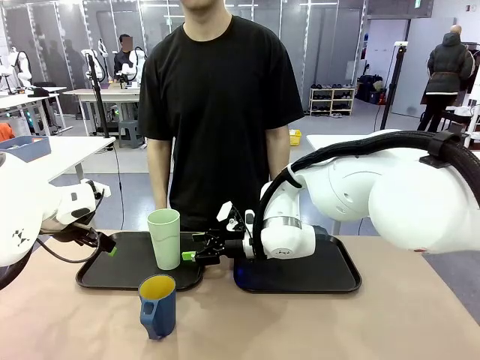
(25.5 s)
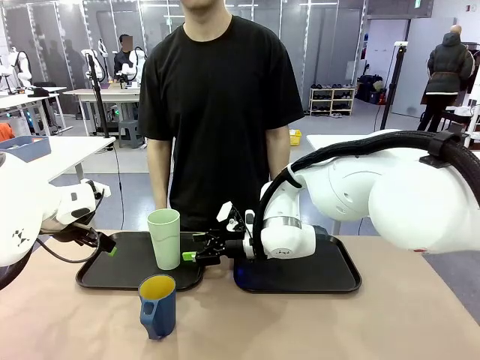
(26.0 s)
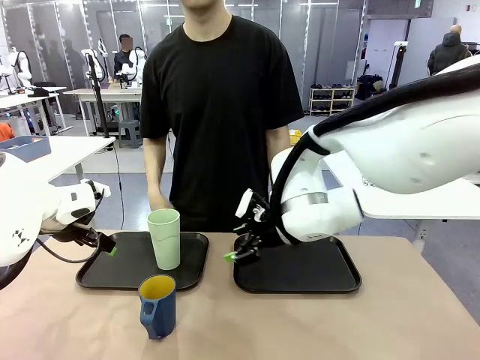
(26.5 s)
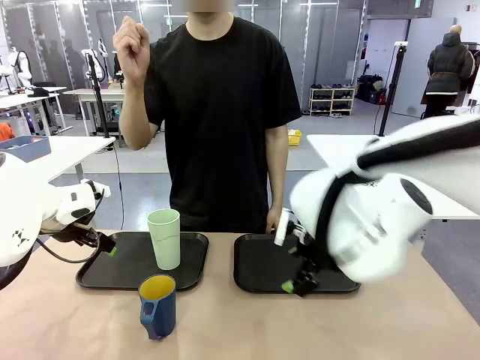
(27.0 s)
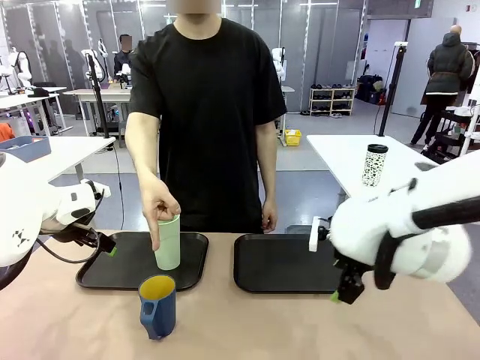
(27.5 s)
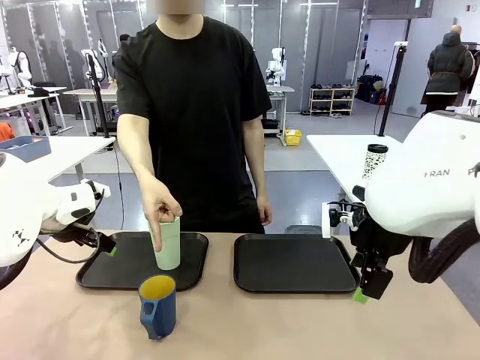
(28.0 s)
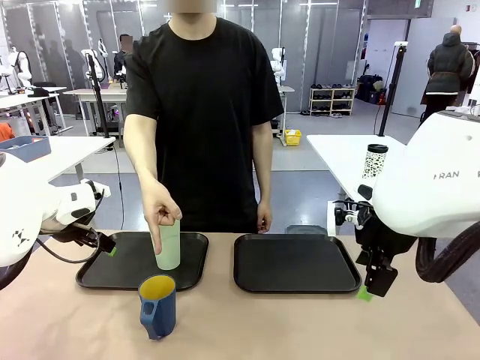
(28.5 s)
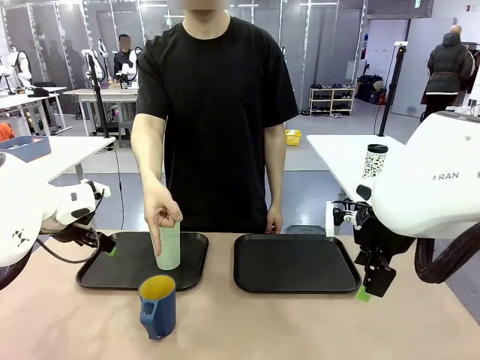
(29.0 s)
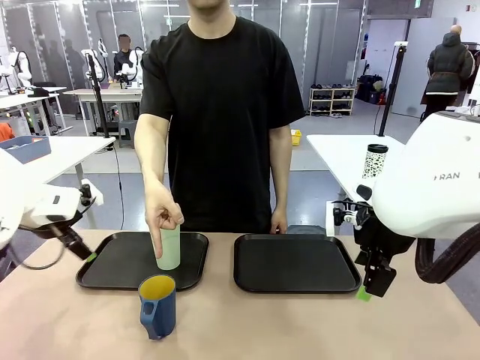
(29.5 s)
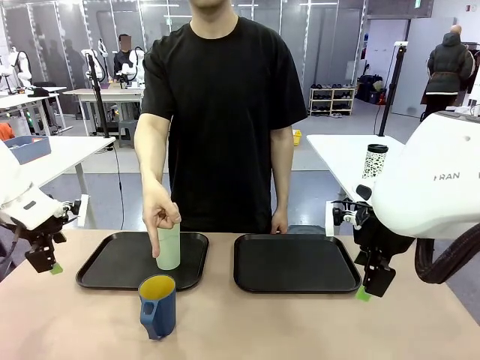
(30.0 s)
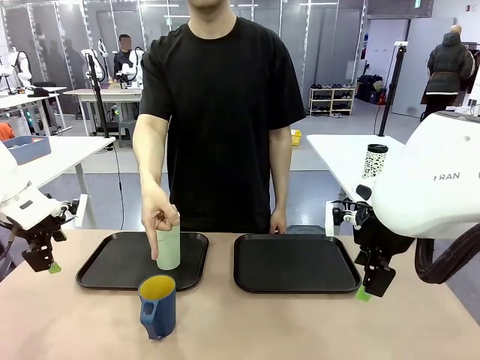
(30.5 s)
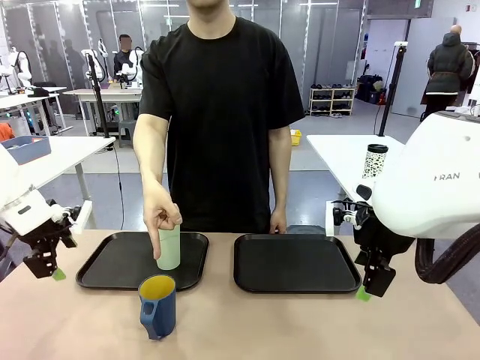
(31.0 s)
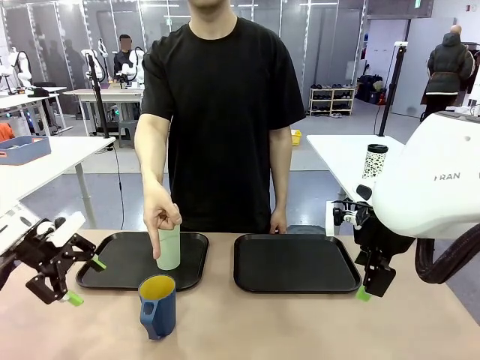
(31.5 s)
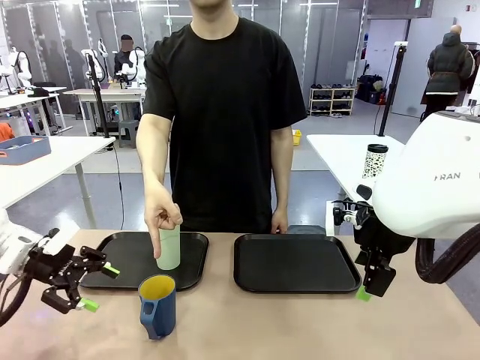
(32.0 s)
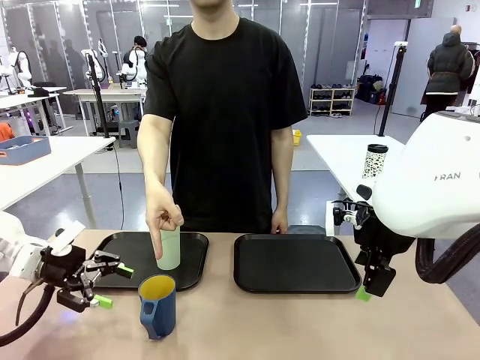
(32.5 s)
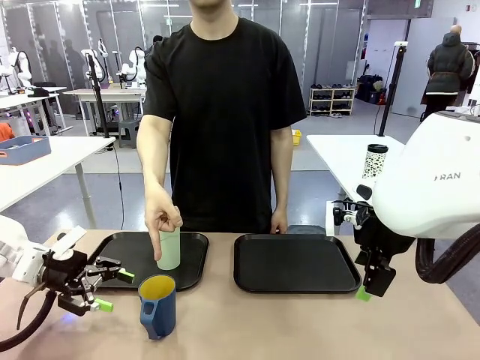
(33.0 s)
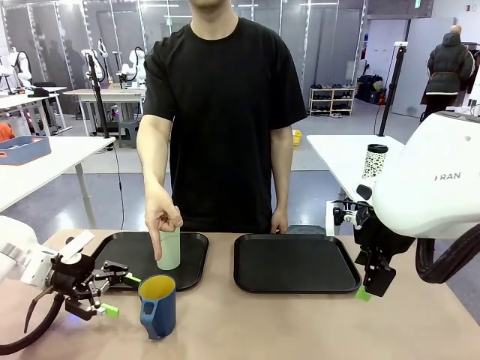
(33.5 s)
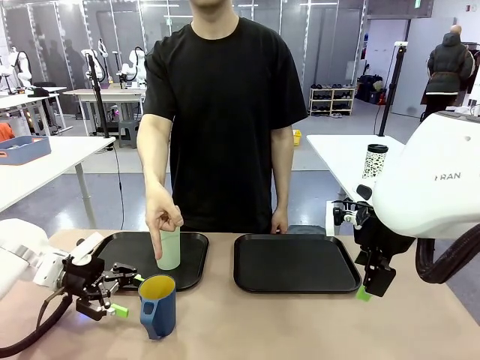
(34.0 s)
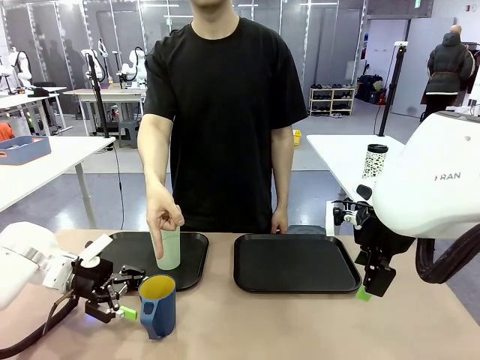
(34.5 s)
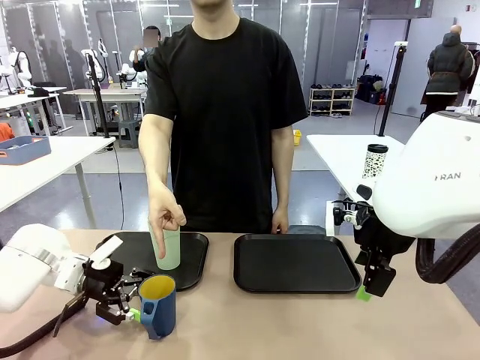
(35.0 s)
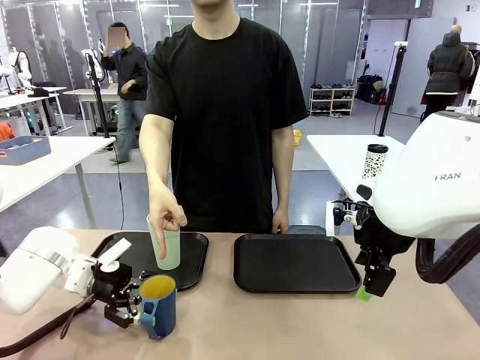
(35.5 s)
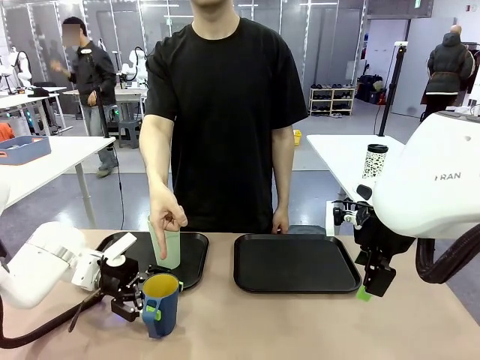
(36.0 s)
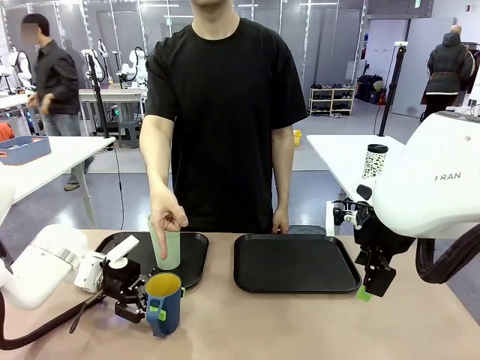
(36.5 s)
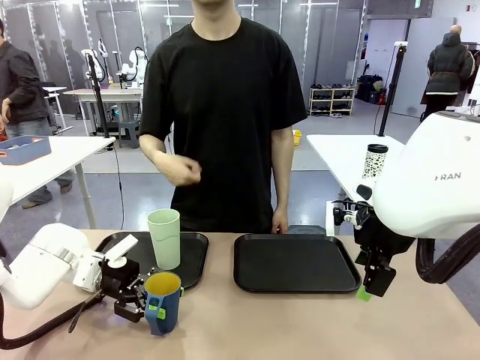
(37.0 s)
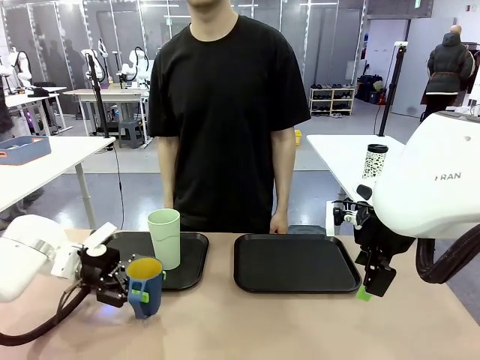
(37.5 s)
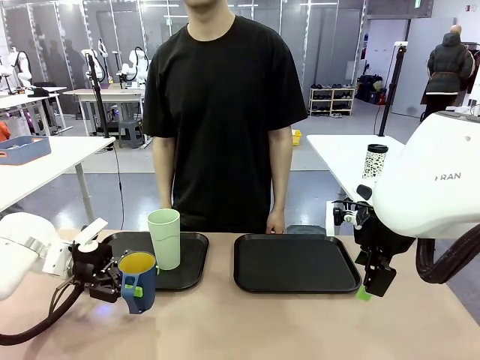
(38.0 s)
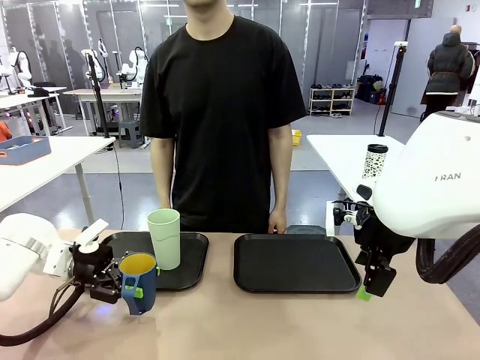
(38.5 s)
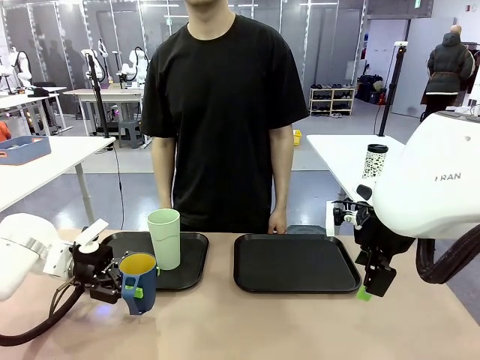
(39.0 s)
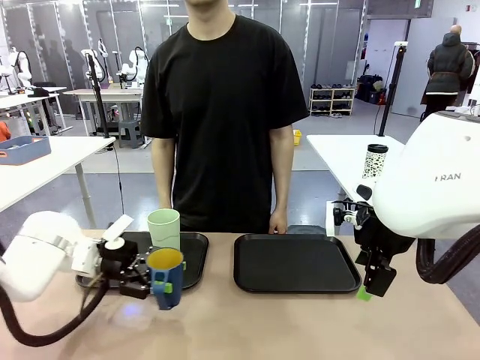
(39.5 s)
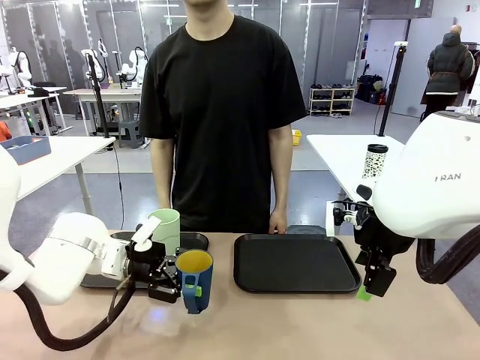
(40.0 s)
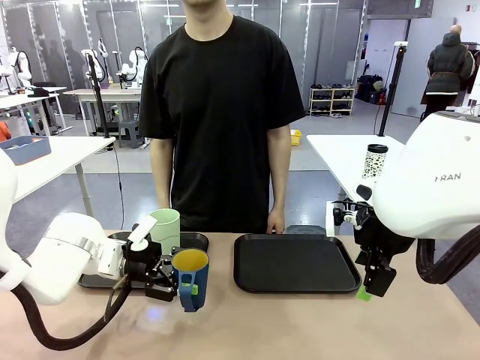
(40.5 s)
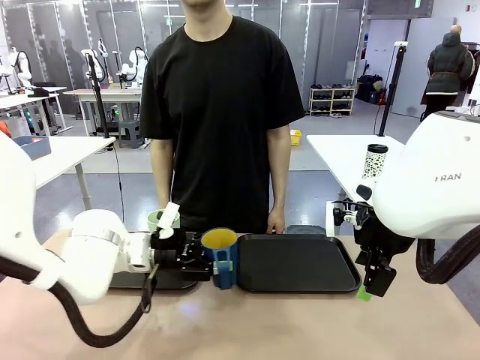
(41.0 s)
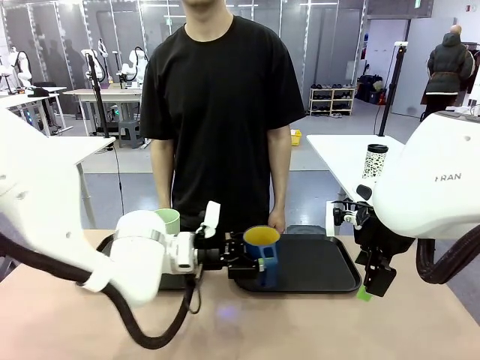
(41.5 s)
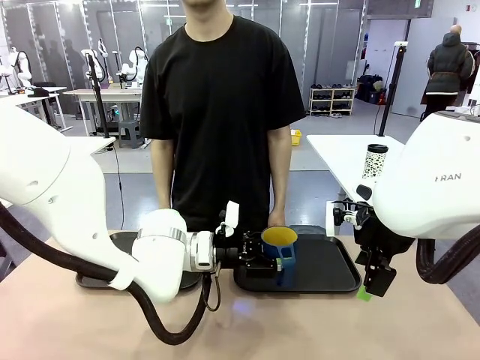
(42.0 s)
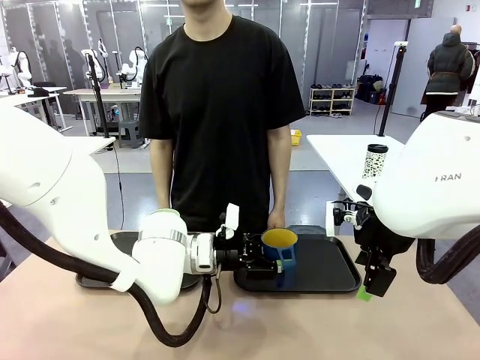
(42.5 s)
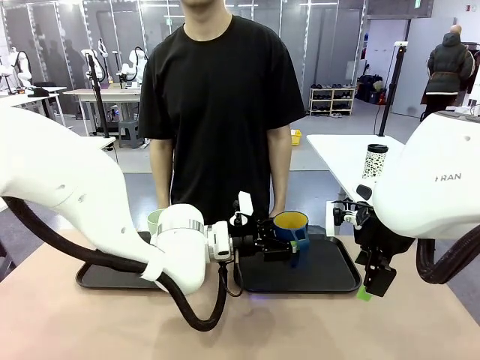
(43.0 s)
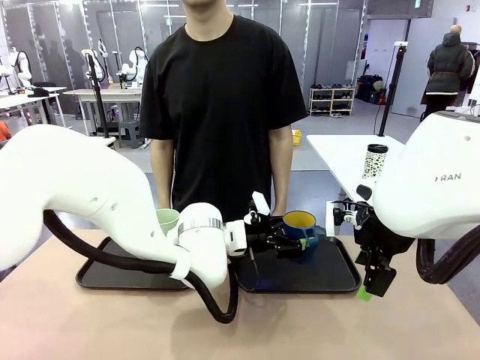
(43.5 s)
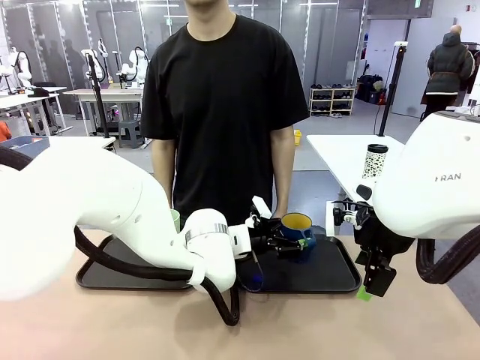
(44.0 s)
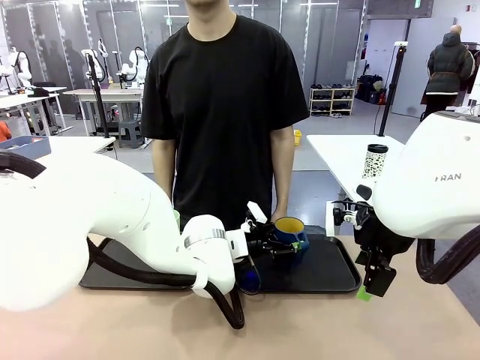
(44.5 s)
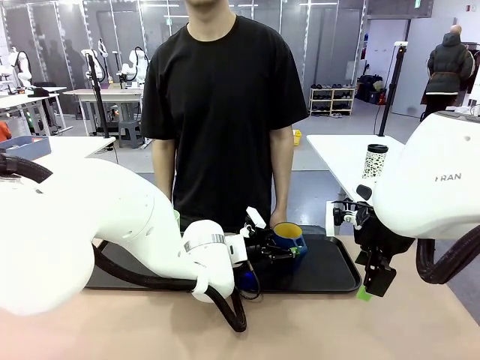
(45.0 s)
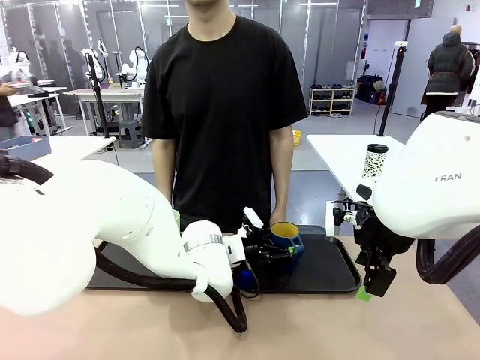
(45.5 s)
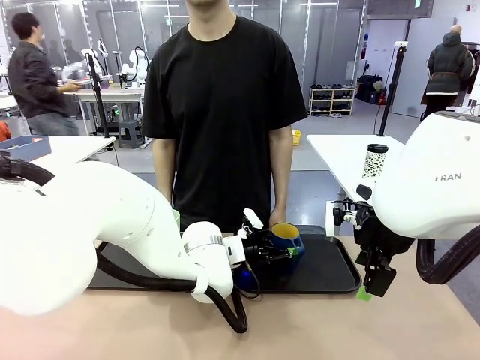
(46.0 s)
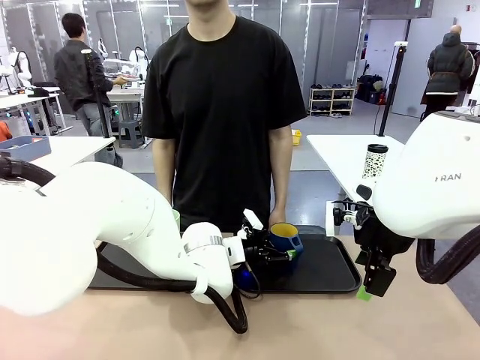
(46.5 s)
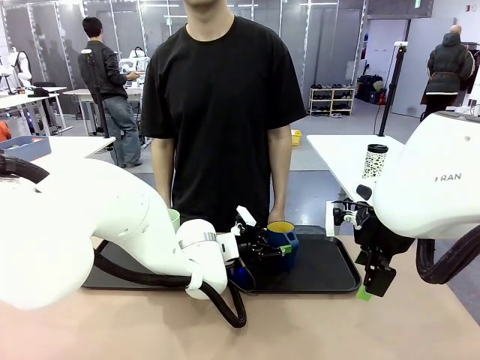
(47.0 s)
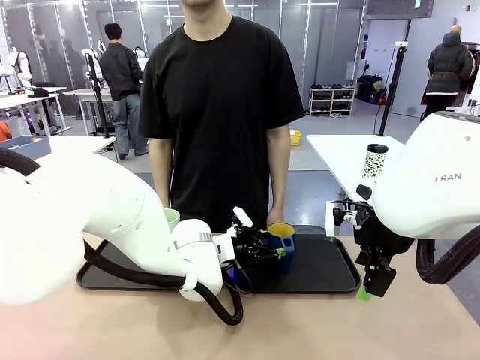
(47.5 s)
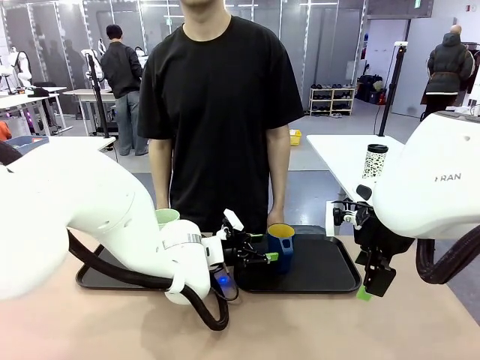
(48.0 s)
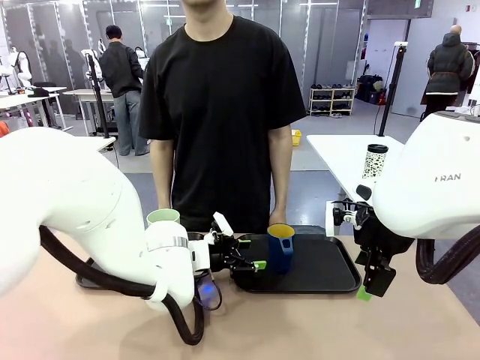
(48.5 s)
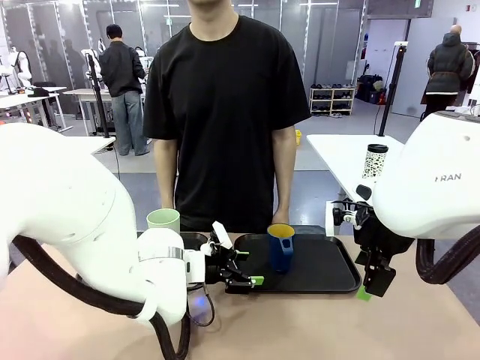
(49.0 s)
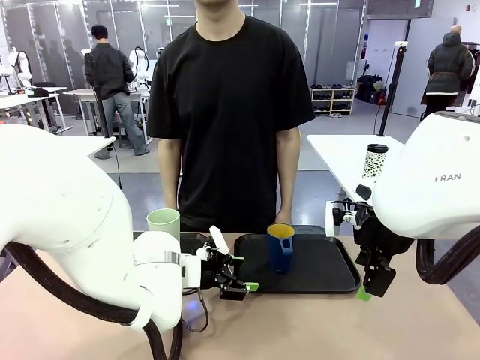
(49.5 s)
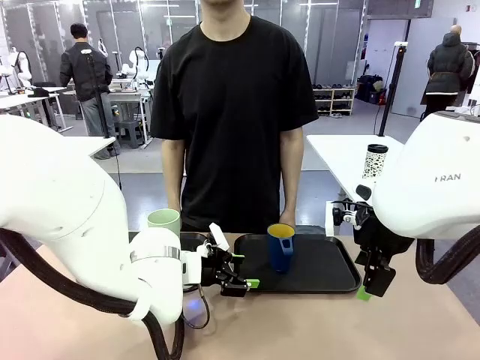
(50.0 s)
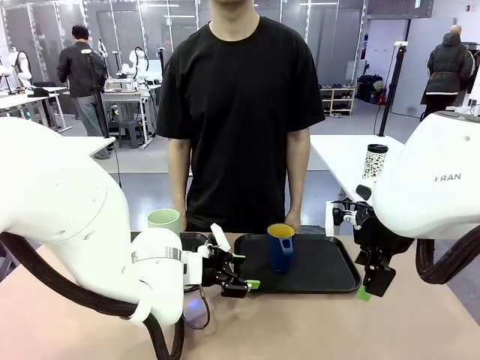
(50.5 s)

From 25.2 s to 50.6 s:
Task: Sort and store the cups by type.
Robot: Pick up the Handle plastic cup and place it into the empty Flat Tray.
Person: Points to the cup with a handle.
